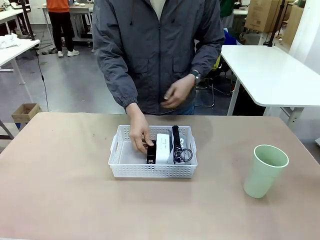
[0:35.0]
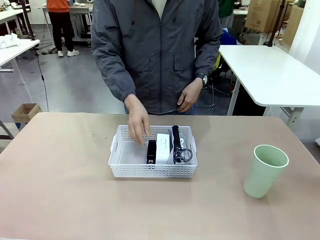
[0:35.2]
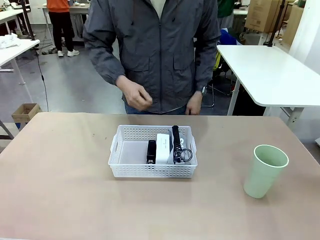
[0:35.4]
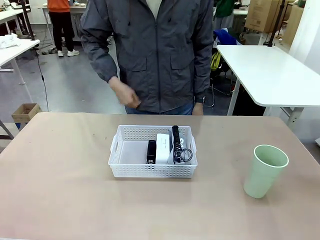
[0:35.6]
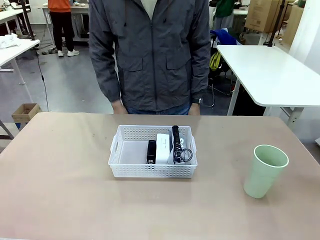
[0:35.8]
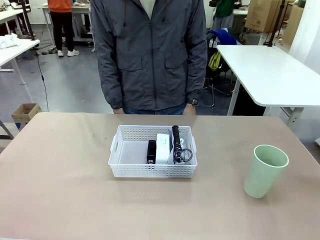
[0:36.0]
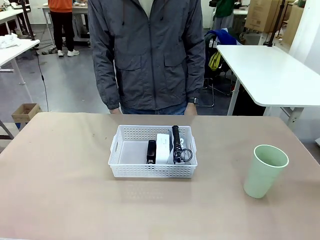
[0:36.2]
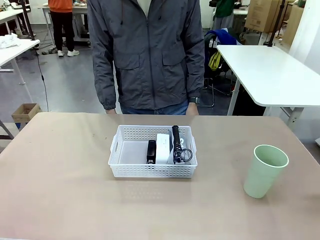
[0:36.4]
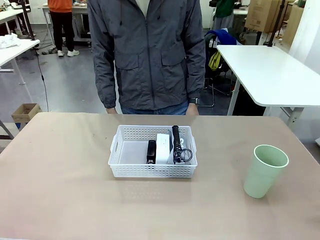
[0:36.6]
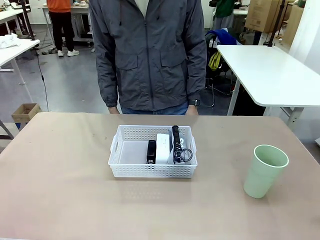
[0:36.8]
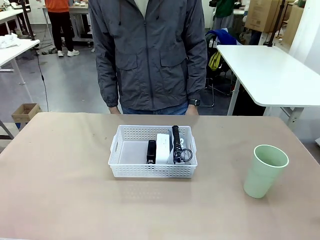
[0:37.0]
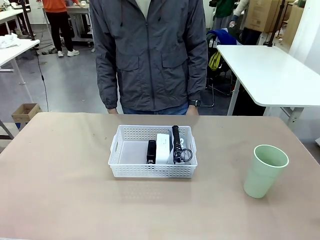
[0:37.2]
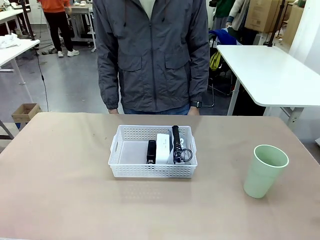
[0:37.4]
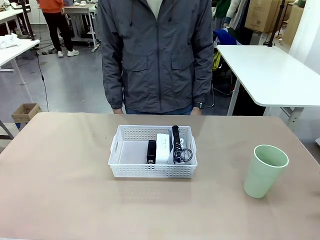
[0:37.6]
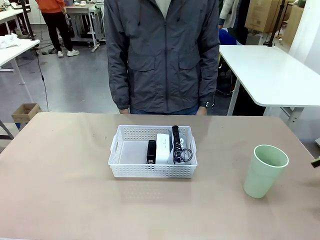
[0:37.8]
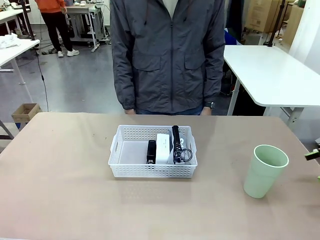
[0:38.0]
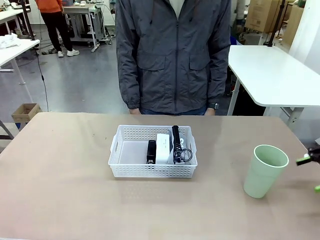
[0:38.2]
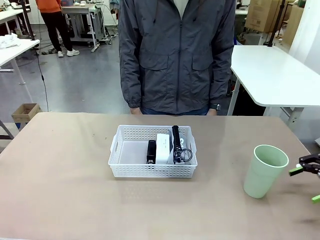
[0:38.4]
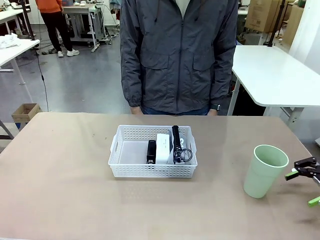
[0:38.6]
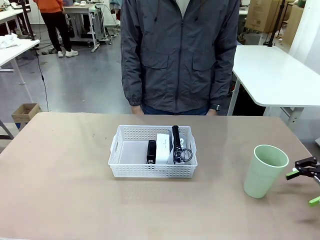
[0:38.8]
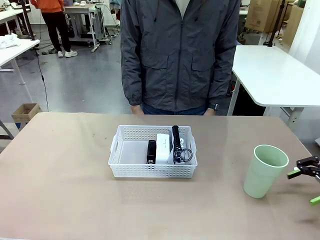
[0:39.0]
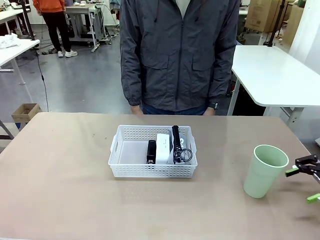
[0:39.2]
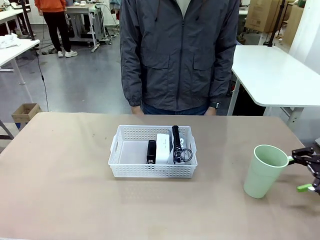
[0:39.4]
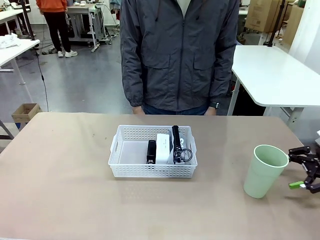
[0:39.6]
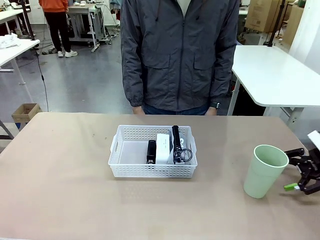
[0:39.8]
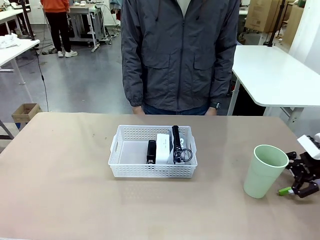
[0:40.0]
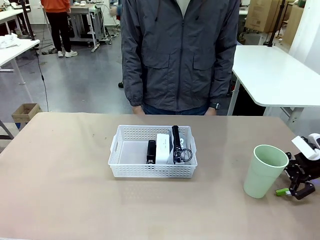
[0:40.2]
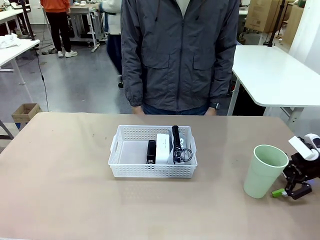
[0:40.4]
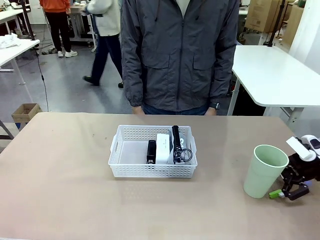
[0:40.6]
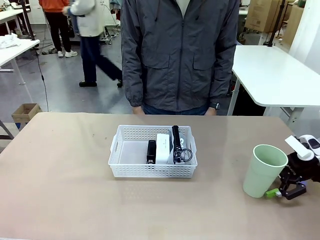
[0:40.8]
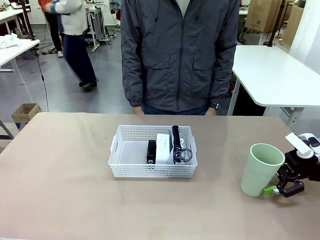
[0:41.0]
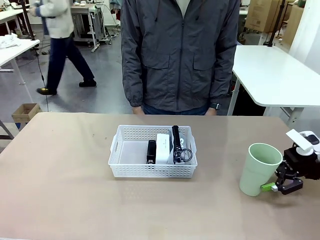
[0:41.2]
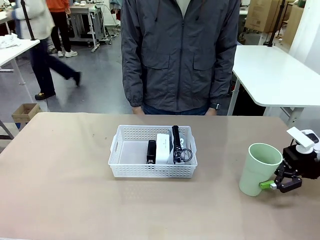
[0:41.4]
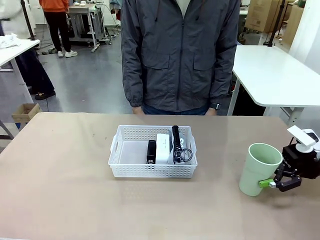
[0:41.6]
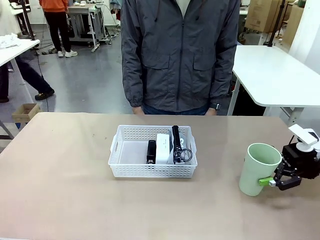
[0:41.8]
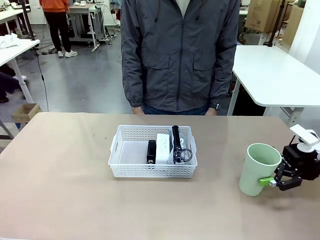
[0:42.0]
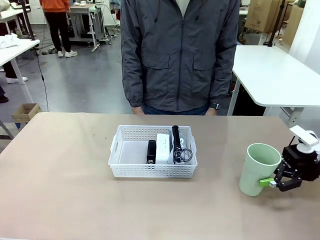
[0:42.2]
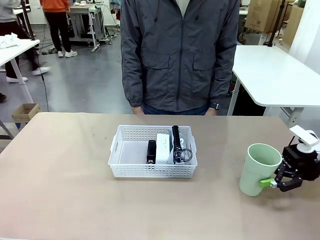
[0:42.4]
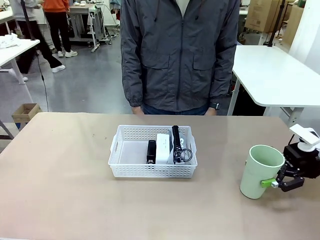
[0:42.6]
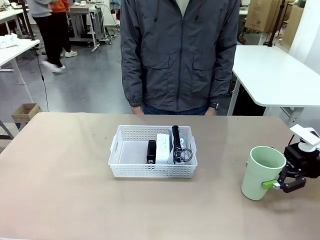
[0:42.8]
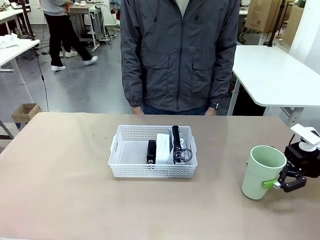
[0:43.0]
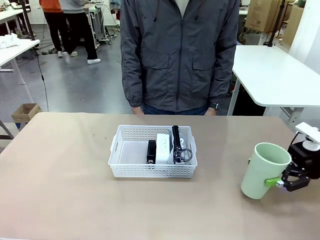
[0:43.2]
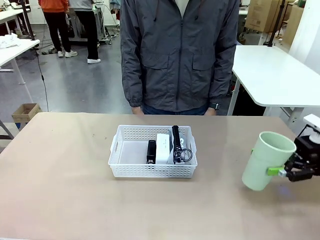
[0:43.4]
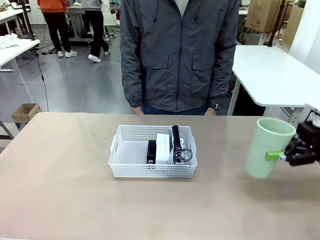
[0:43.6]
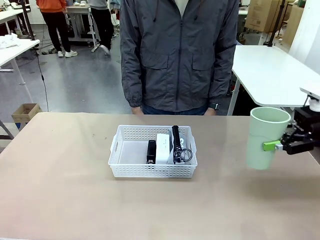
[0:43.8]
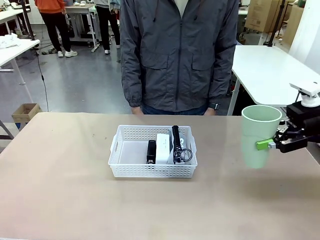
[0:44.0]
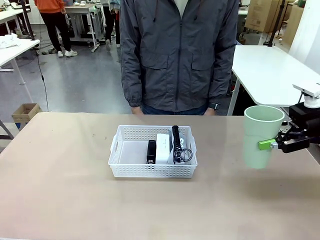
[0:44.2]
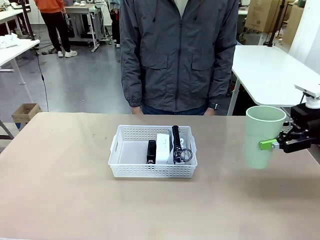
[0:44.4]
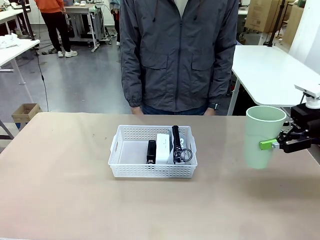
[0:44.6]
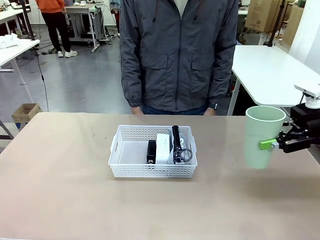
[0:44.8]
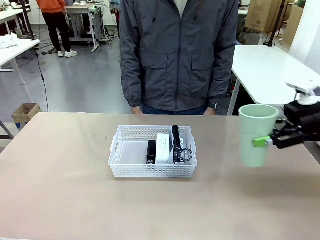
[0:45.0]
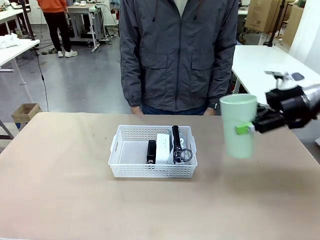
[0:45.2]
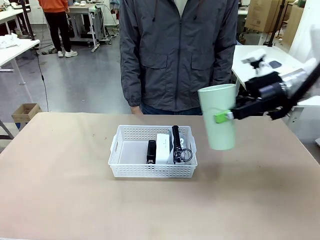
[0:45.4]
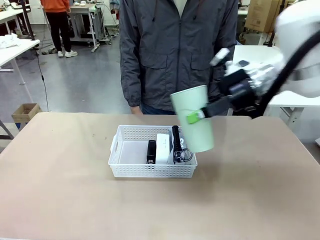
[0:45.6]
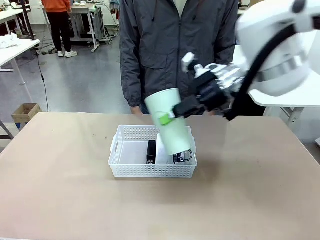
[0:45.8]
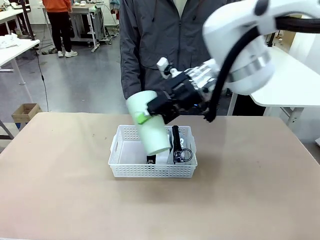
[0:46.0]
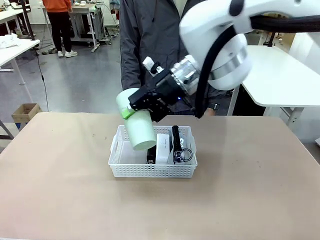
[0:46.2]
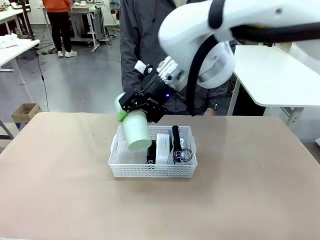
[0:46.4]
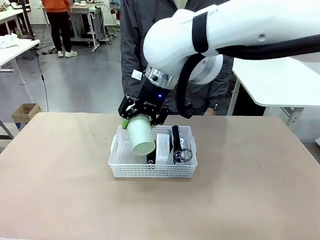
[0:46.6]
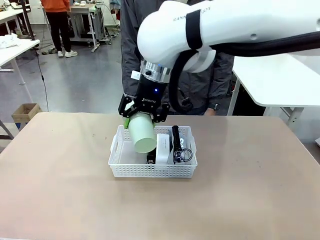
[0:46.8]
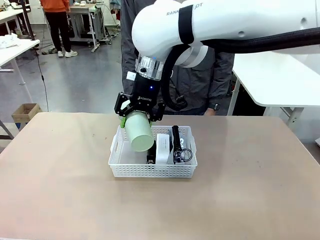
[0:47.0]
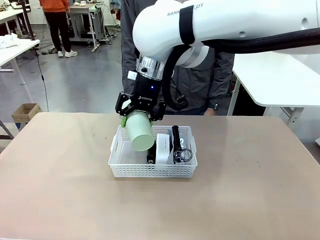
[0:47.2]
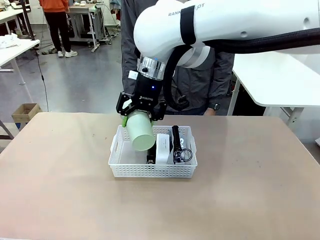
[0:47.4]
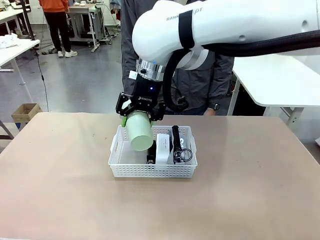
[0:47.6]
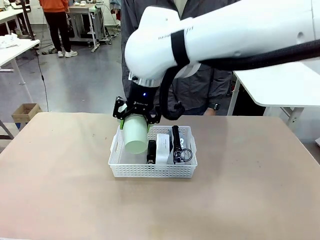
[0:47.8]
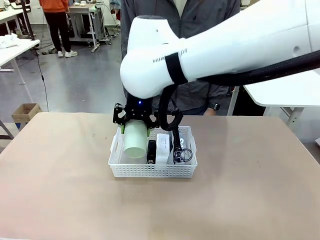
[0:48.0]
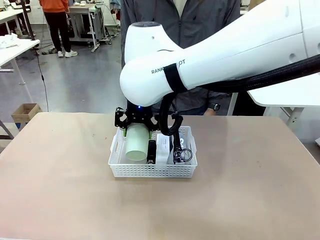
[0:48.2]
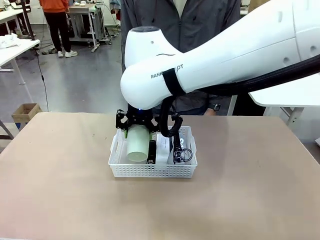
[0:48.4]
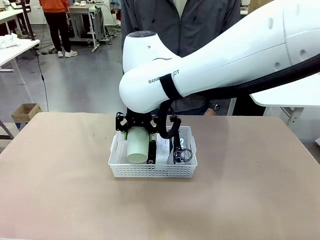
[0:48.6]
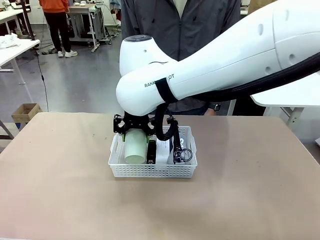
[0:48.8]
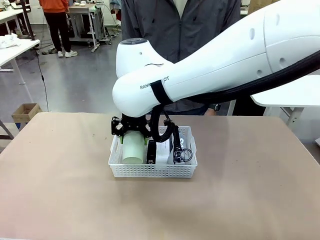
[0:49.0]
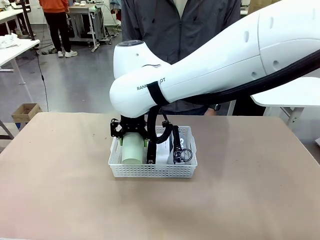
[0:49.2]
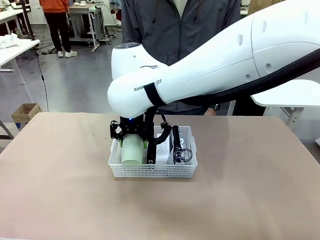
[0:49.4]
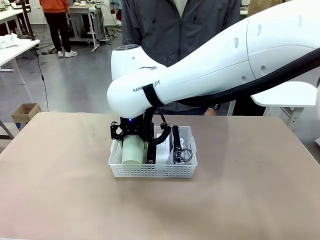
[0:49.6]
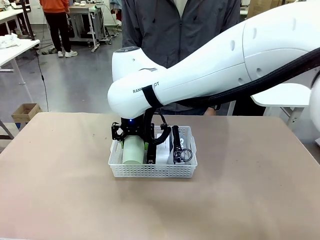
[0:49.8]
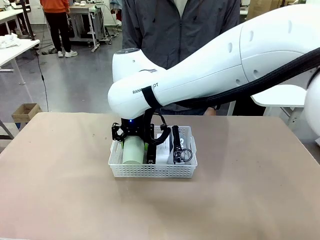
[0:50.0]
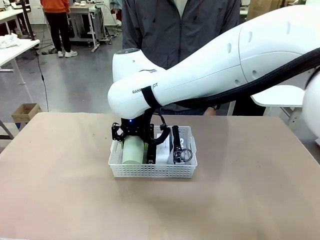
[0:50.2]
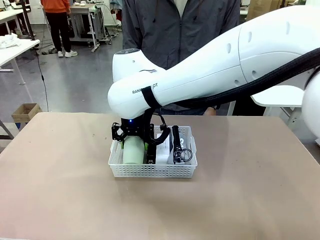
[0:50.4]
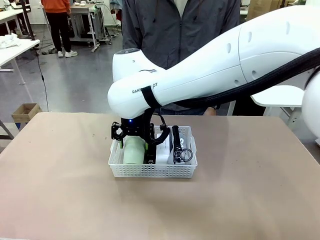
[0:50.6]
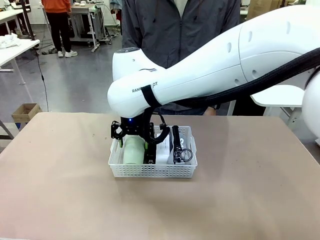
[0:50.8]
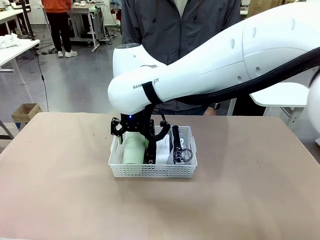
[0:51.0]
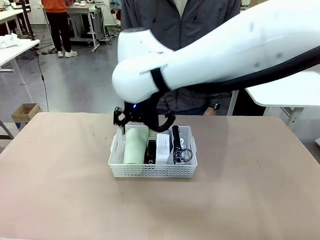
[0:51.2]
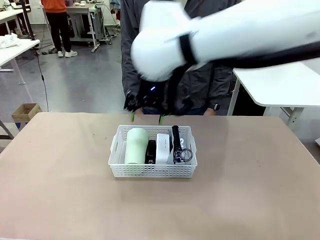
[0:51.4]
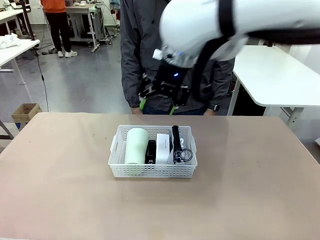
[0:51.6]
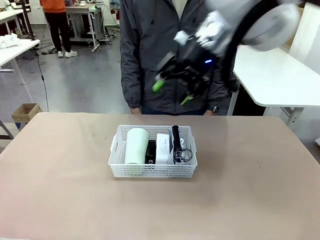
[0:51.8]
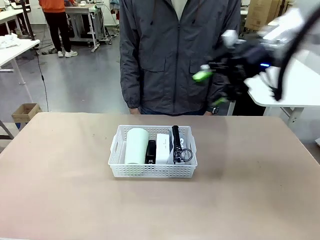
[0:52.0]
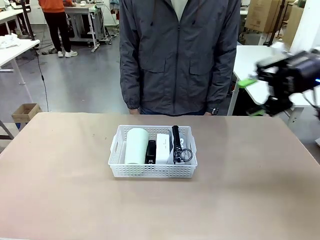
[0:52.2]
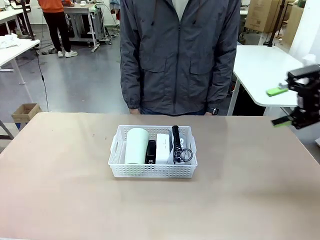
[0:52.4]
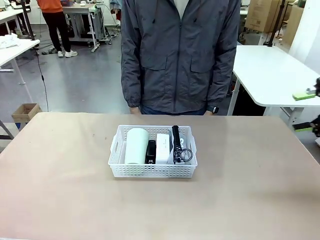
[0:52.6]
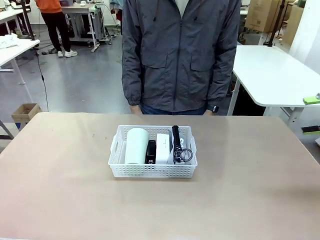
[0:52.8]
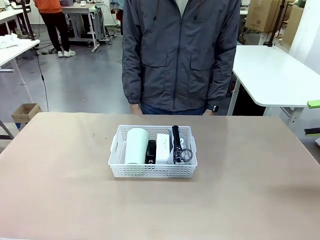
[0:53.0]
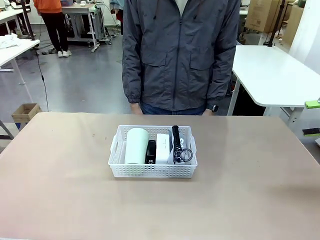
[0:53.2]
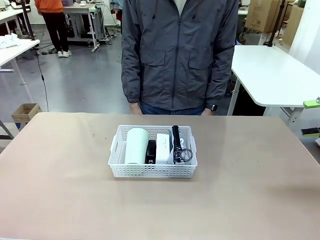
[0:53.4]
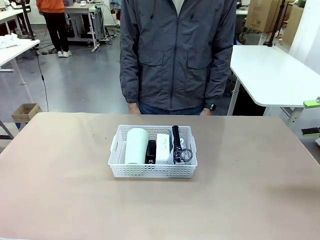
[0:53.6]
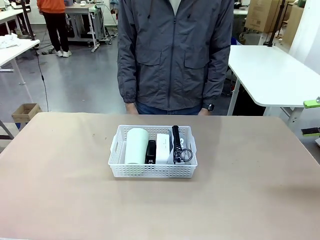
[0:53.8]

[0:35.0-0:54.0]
Task: Efficiently arrange items inside the basket to fit them all.
Robot: Pick up the Reusable plastic cup and place it inside the Organizing basket.
Person: Repositions the stapler.
